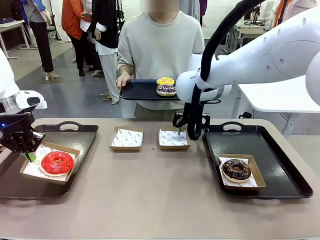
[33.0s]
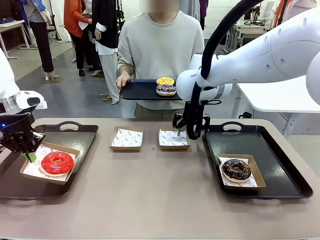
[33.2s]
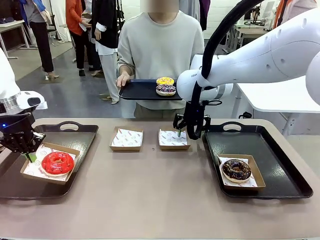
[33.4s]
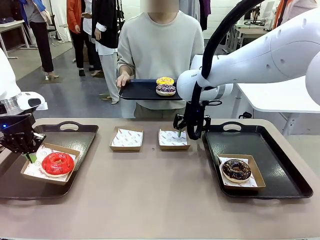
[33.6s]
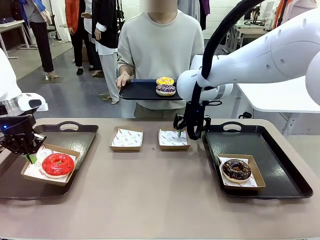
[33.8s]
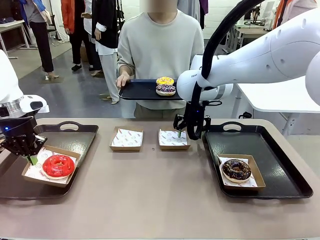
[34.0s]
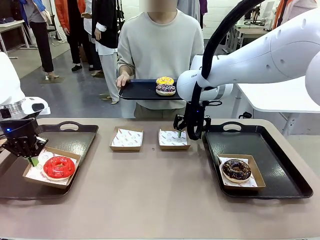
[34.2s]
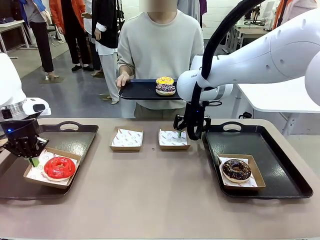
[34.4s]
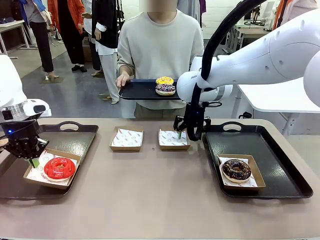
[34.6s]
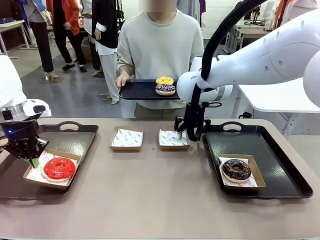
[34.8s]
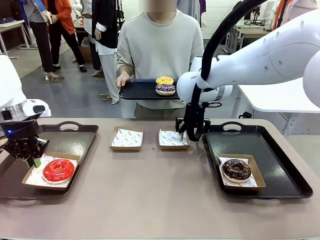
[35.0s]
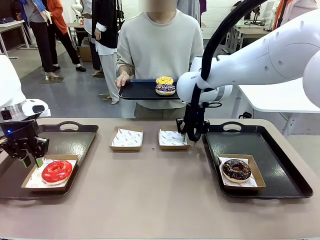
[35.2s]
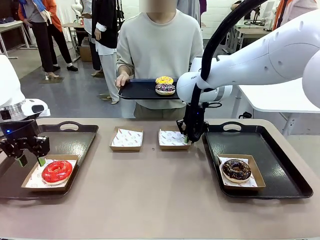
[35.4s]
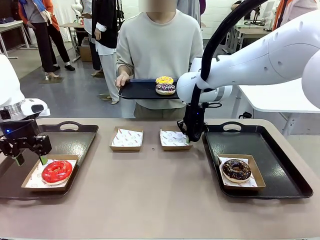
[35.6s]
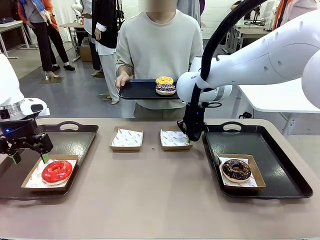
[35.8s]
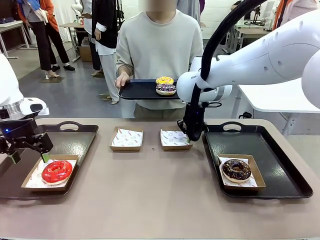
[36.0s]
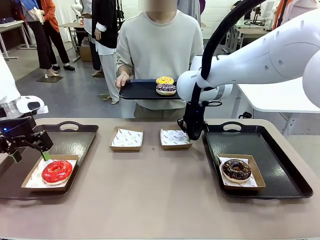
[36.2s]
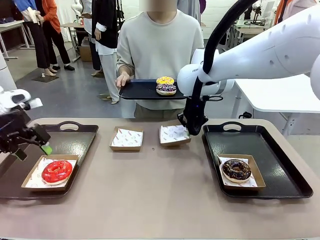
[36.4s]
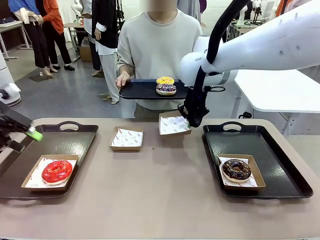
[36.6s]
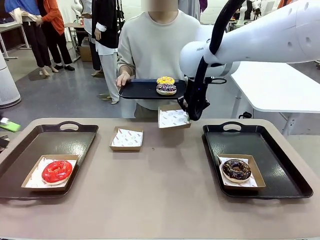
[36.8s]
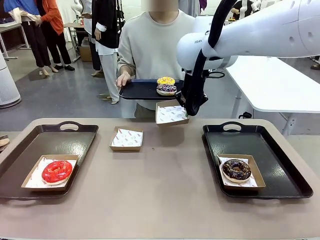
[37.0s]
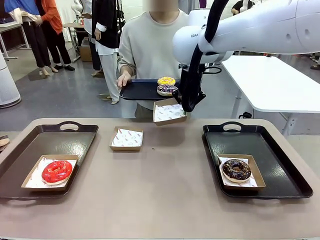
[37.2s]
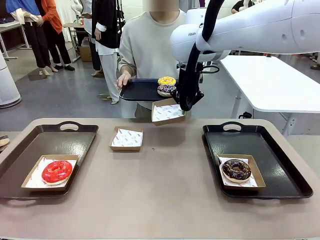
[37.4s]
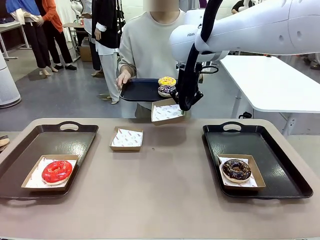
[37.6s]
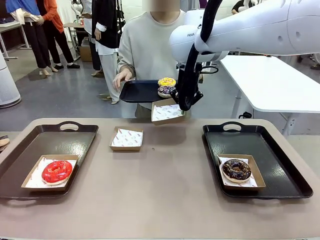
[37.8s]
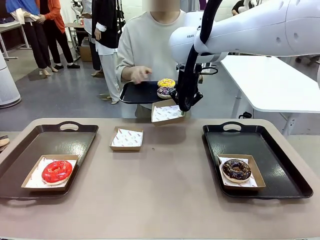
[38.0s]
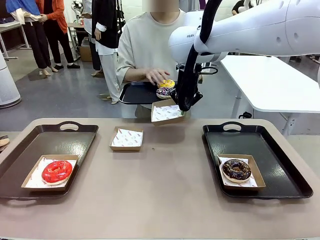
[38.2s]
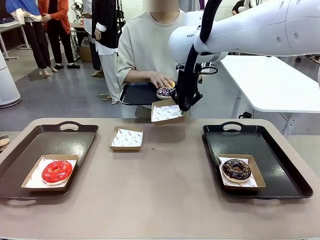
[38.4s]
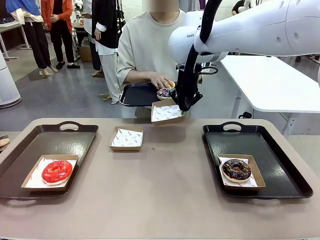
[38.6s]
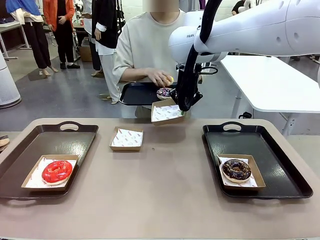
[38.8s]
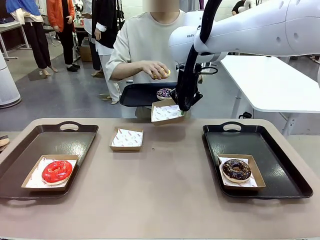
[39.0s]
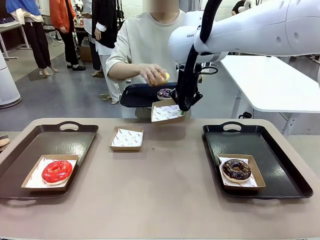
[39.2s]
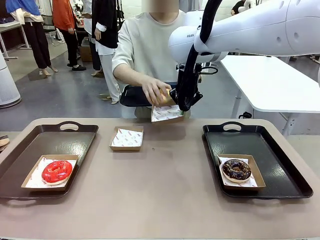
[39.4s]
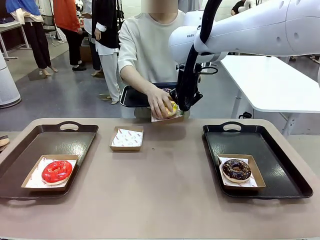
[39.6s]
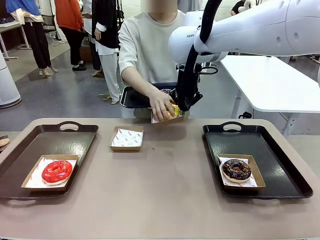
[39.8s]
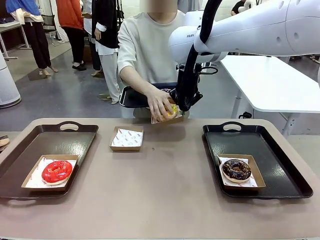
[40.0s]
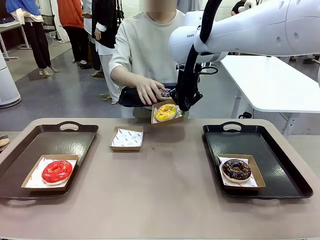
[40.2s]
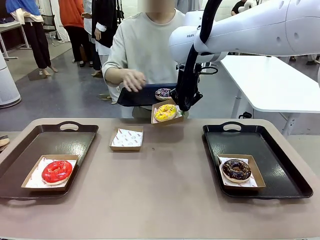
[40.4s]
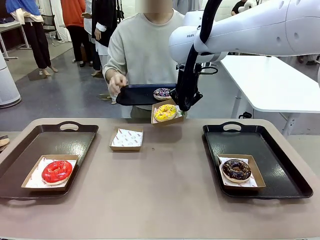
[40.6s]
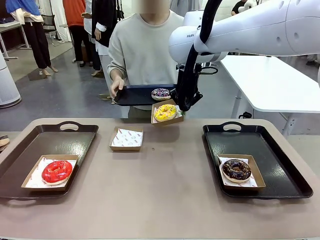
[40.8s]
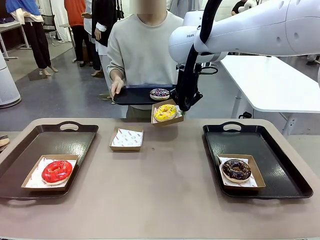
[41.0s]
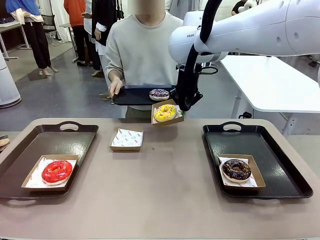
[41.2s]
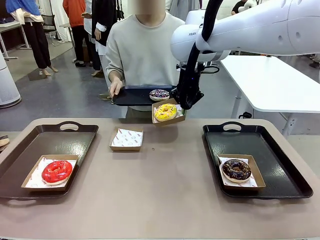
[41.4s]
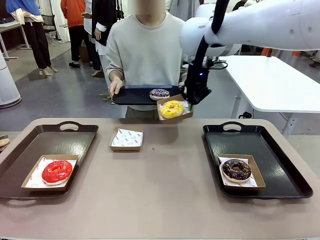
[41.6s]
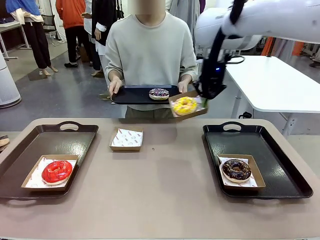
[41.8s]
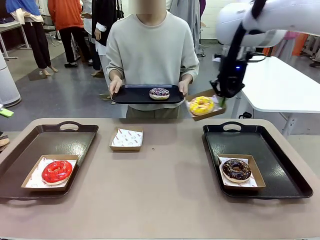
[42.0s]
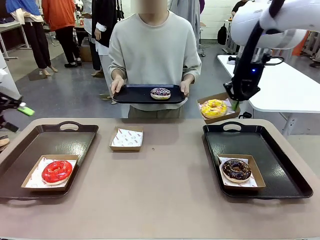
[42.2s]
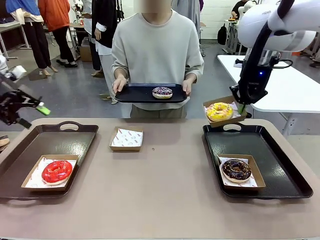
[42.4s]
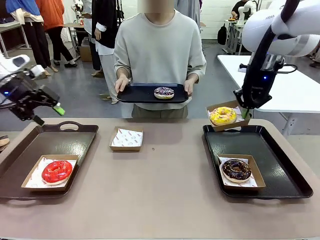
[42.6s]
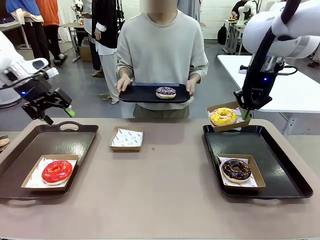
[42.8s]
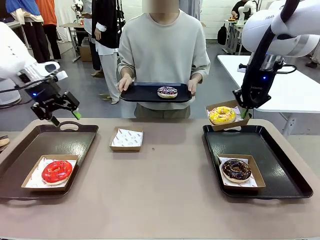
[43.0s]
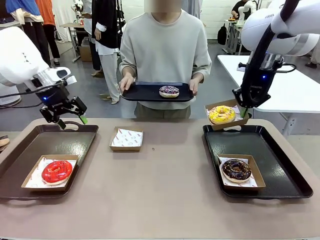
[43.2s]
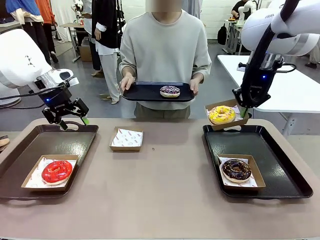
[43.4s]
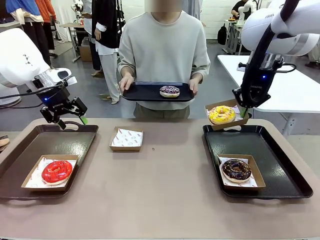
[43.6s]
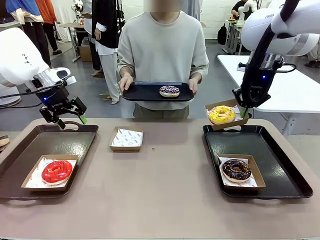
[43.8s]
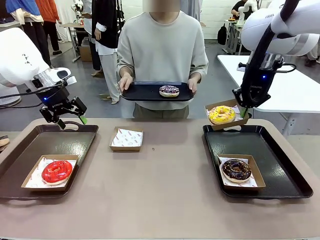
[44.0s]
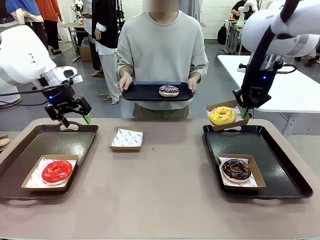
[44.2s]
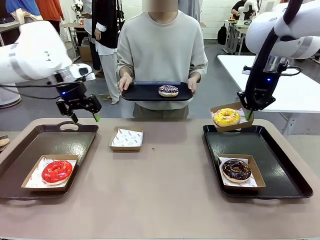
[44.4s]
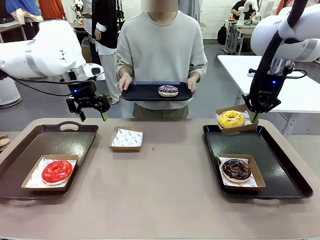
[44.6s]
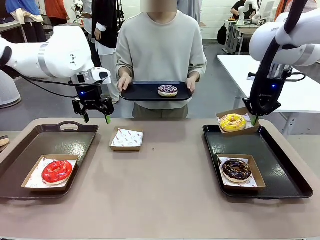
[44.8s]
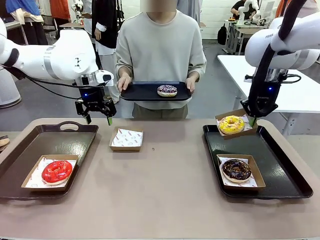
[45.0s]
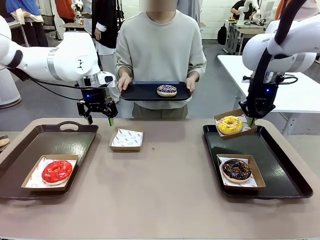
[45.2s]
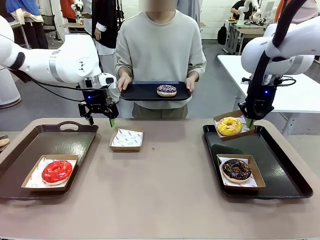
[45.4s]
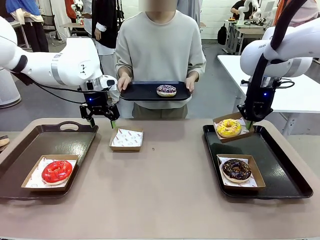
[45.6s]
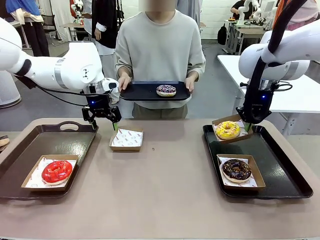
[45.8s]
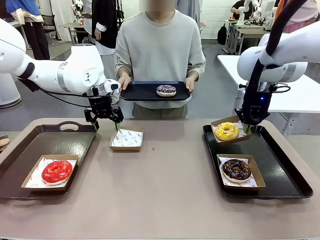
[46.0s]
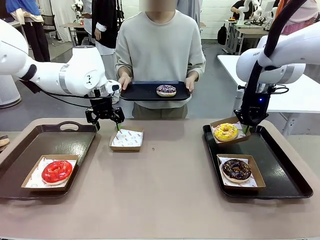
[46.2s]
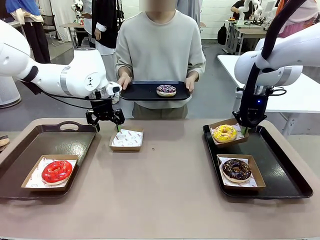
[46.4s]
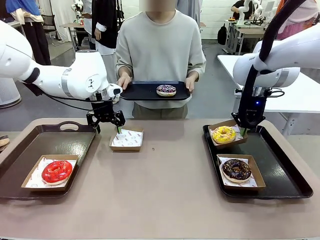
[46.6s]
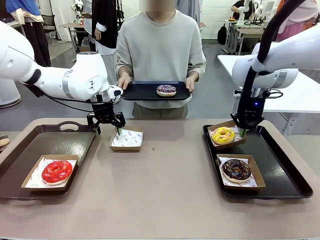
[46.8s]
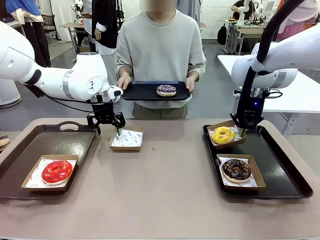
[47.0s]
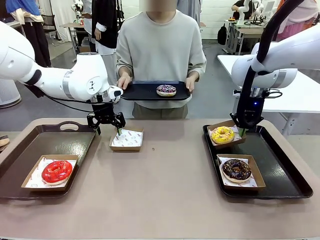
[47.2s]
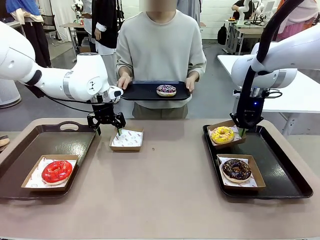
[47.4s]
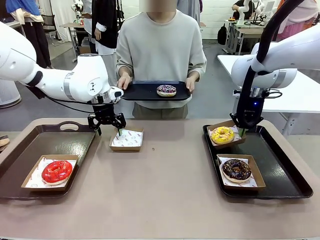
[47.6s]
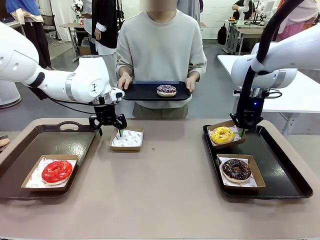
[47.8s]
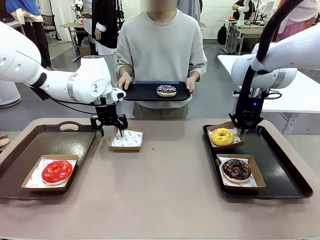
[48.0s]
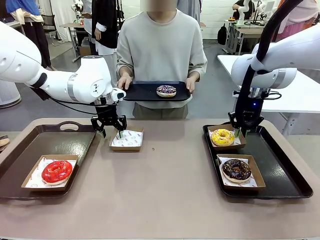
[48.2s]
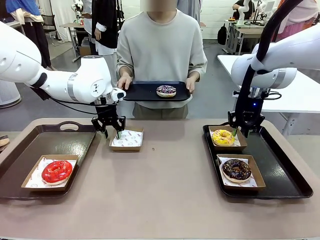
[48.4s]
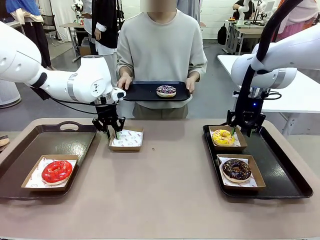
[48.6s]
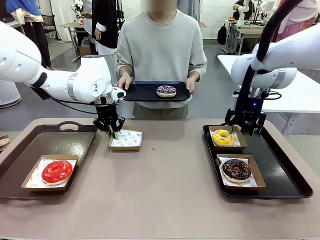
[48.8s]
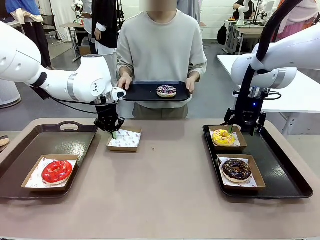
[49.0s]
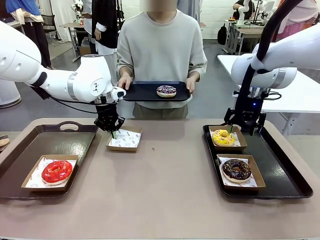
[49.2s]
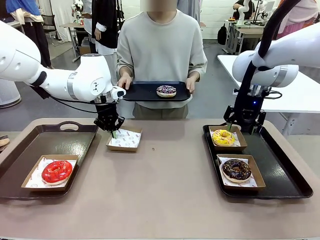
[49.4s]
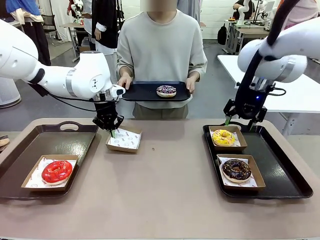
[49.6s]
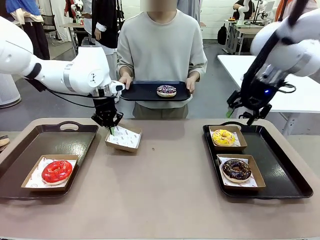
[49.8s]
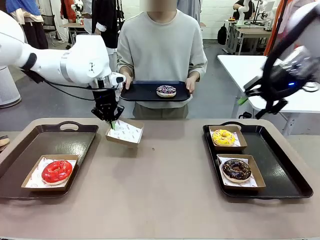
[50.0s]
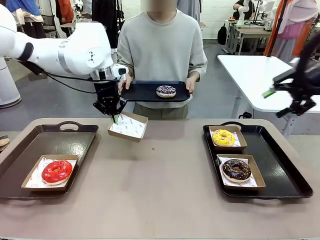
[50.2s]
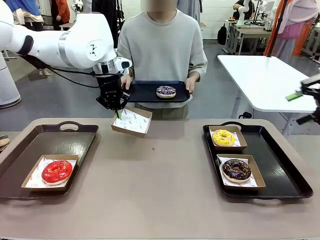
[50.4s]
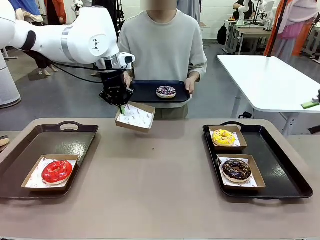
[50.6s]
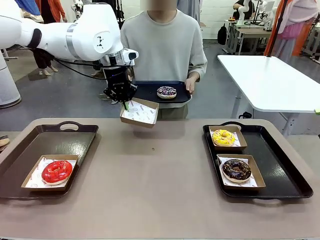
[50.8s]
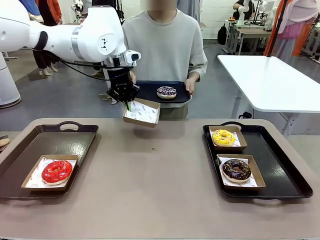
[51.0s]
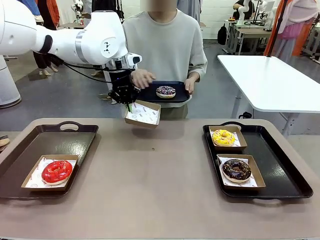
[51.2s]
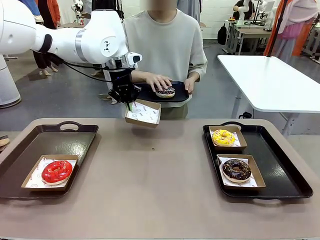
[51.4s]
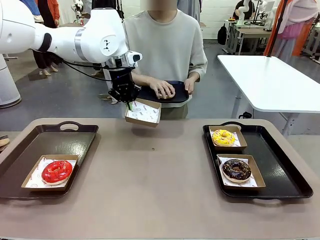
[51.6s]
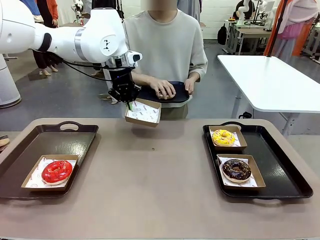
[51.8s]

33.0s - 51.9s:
Task: Individually package the donuts and arrange them on the tray.
Robot: Place the picked Paper togo box on the Handle tray while simultaneously picking up another Paper togo box from the table with the other hand.
